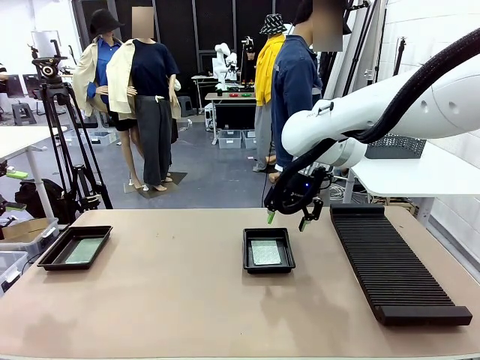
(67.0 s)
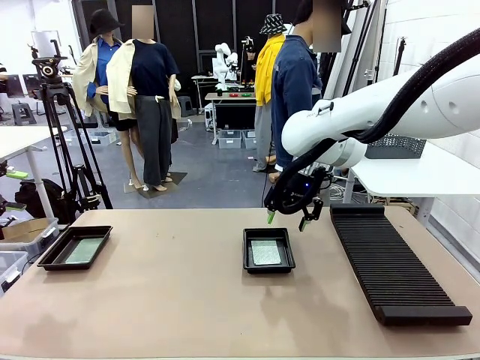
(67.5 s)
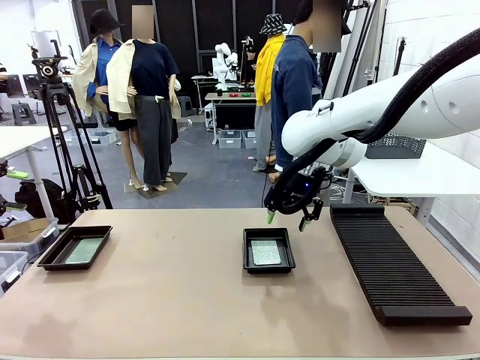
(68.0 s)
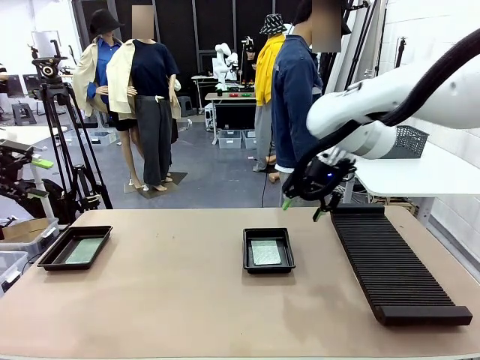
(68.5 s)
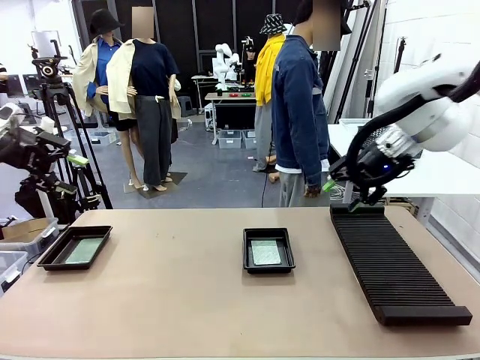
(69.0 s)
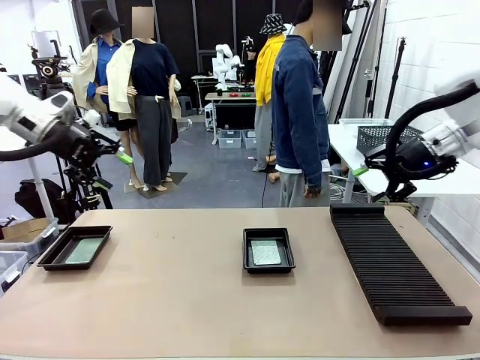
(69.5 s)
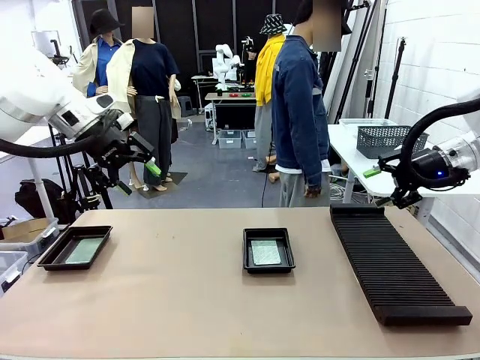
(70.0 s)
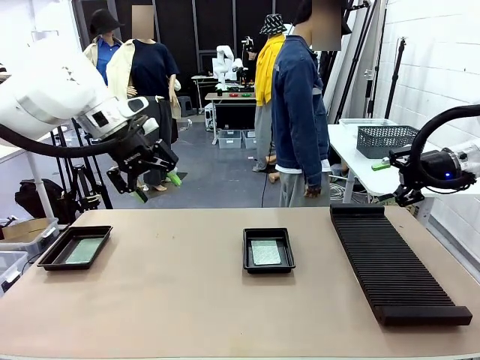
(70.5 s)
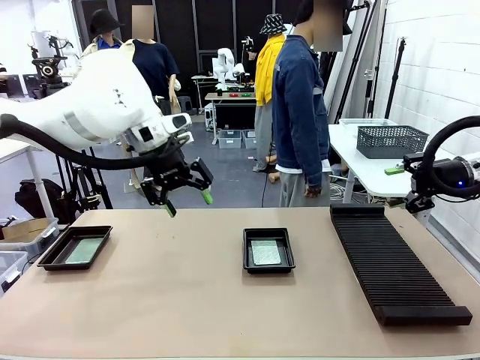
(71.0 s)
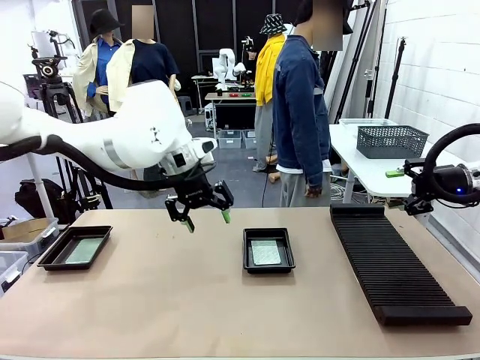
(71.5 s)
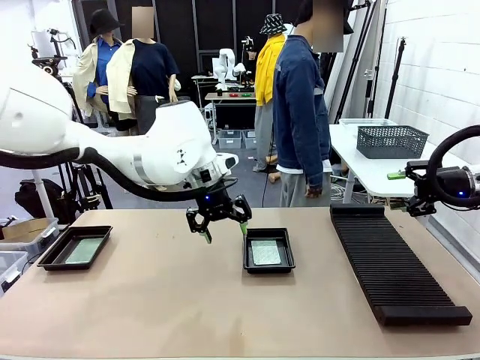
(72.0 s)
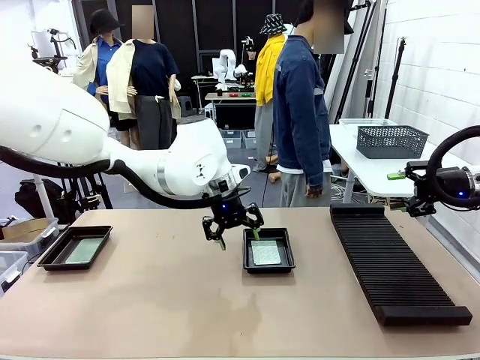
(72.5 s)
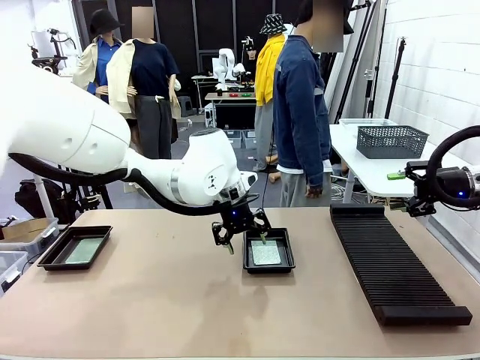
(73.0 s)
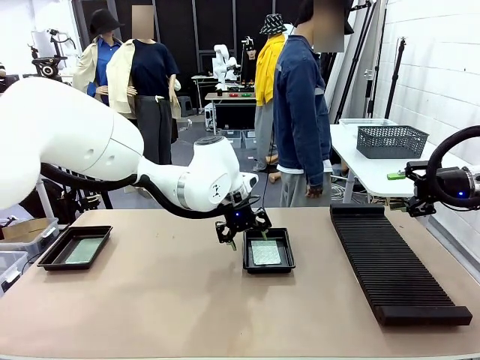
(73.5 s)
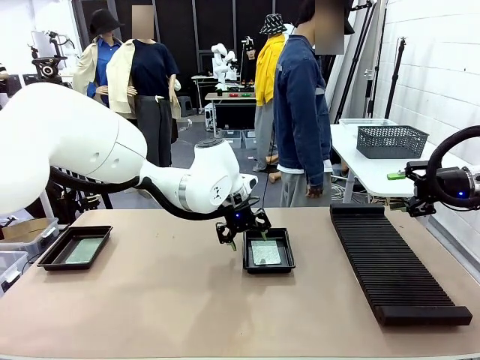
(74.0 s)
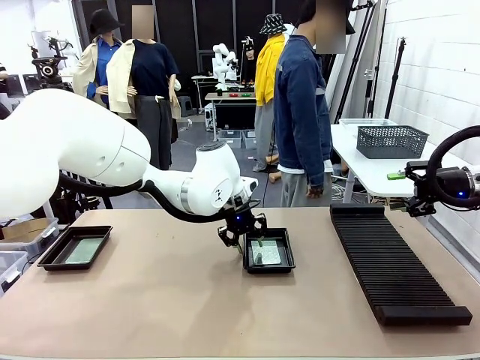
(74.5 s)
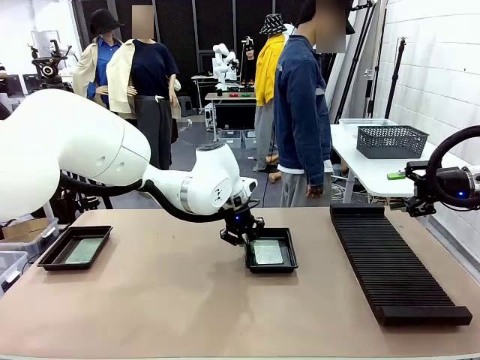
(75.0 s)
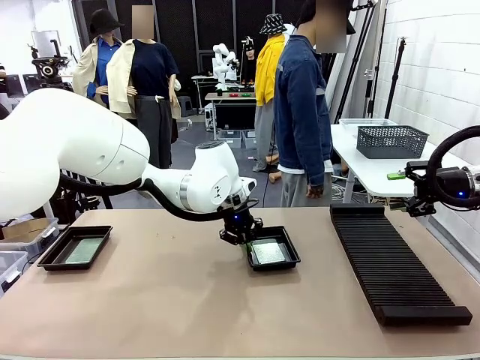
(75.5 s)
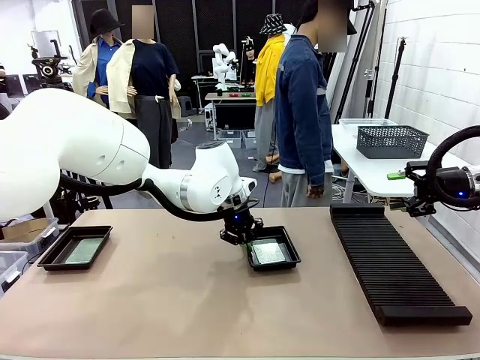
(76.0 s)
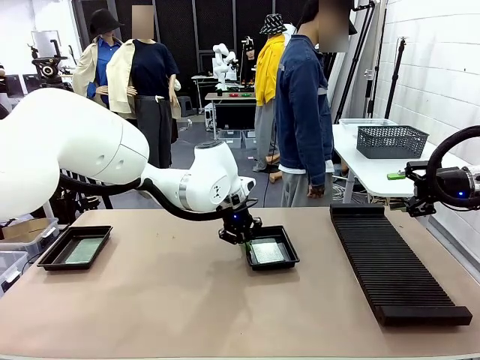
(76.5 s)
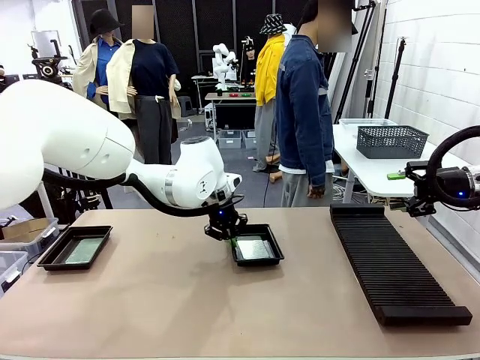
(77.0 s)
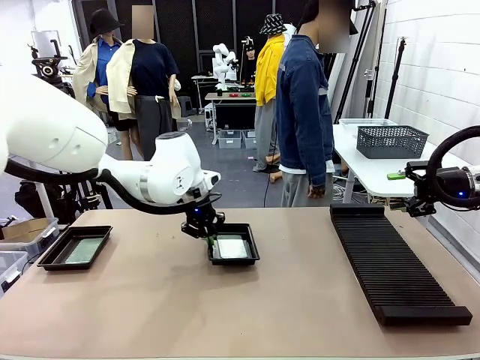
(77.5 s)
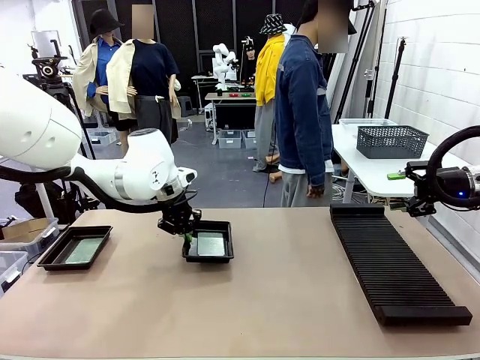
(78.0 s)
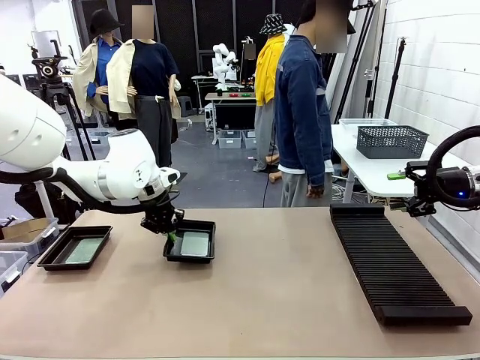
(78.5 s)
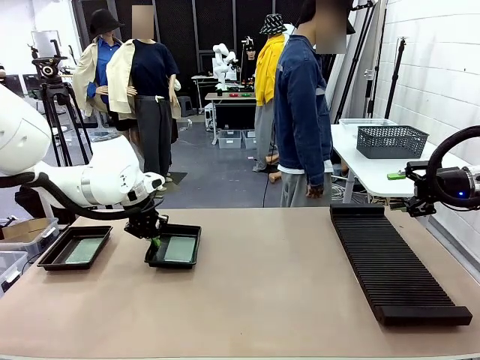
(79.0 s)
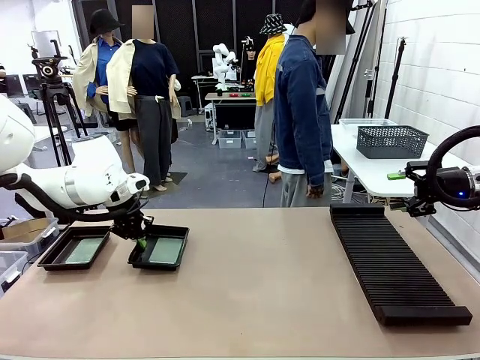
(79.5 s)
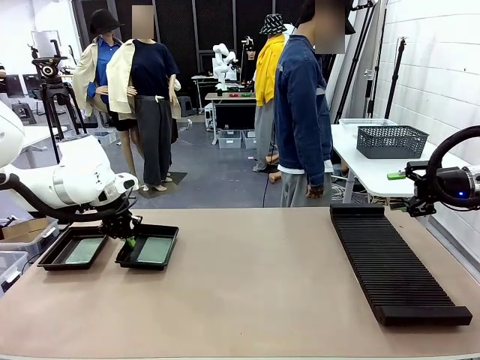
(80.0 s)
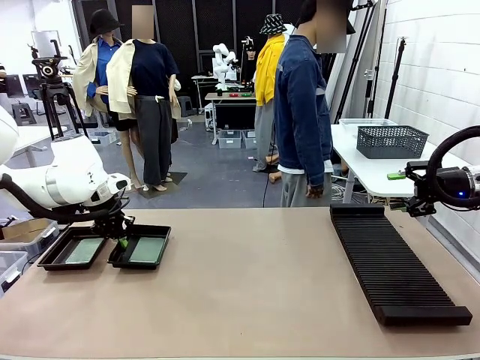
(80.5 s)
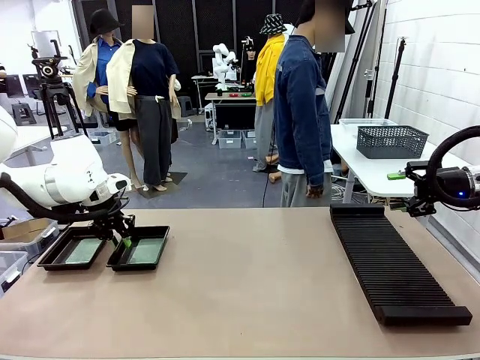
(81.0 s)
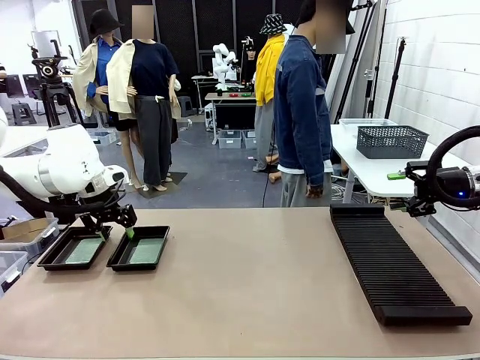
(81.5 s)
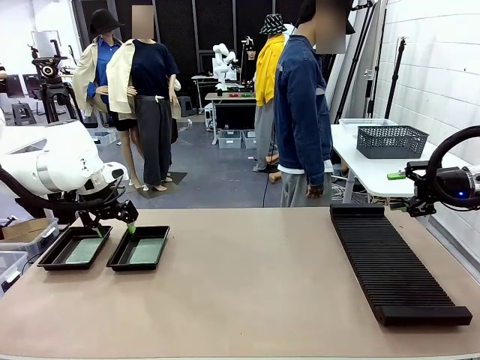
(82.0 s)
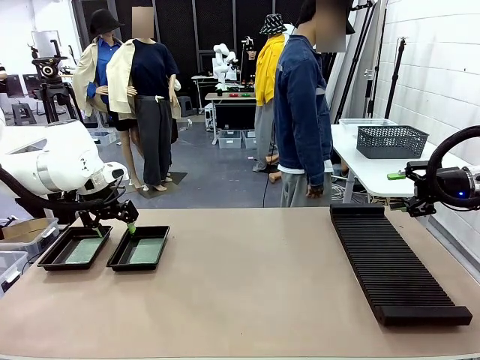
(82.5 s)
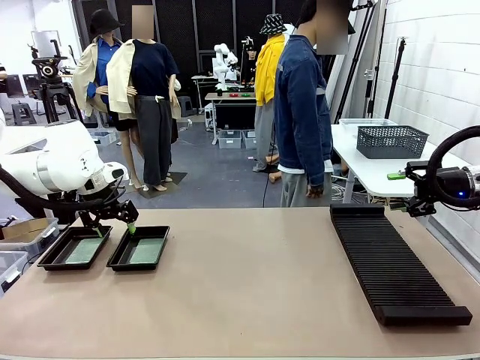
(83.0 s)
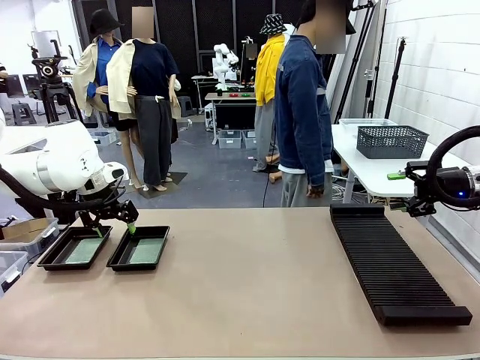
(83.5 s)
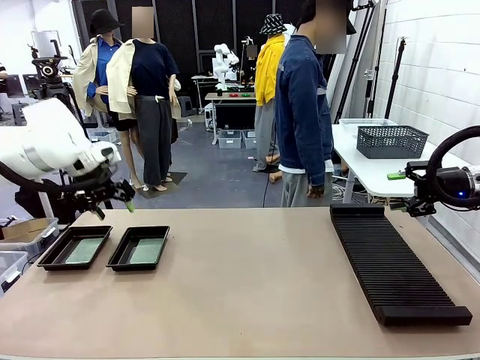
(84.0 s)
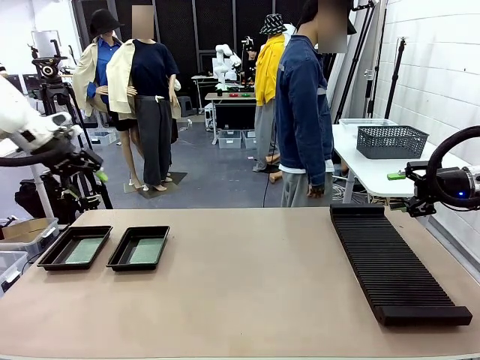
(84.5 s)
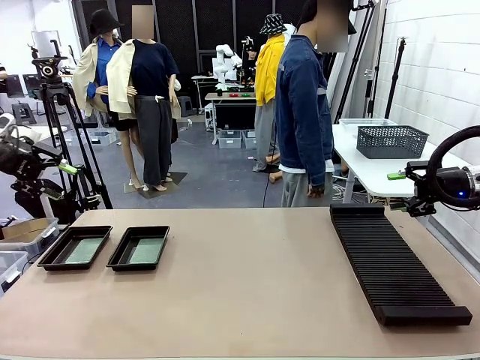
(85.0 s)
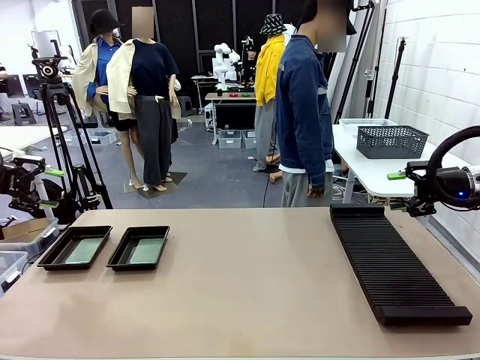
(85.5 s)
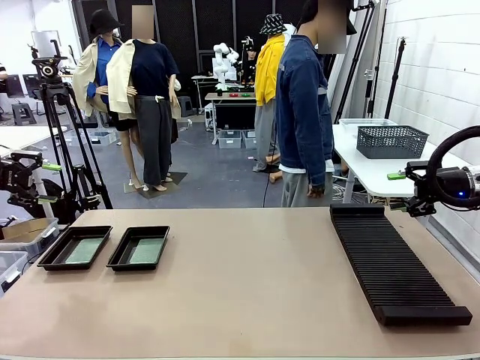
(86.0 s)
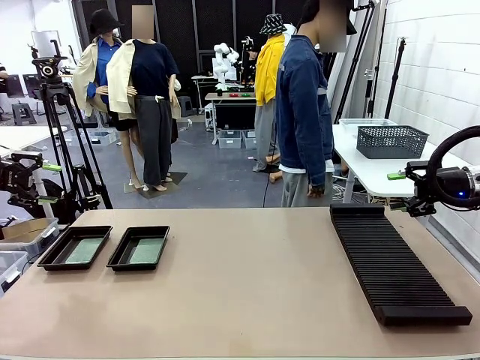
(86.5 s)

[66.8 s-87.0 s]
Task: Inspect and transfer BCBs to ESD trays.
Robot: Pick up the ESD tray and place it on the left side of the table.

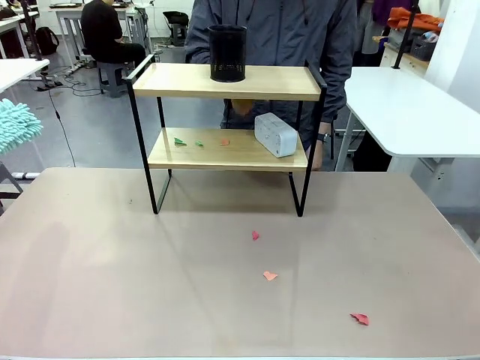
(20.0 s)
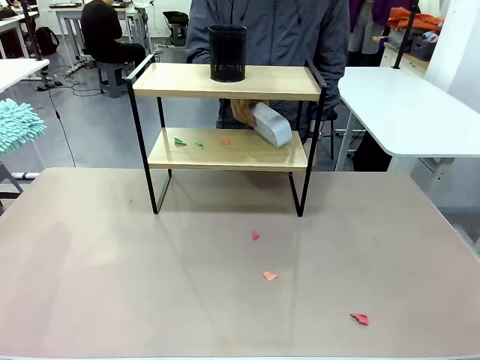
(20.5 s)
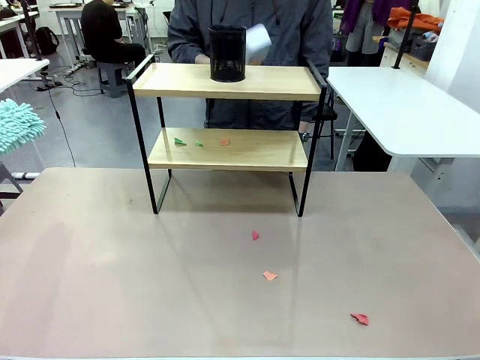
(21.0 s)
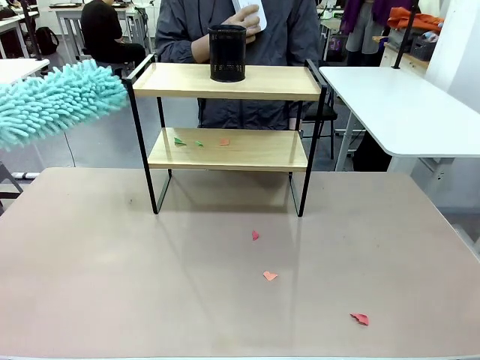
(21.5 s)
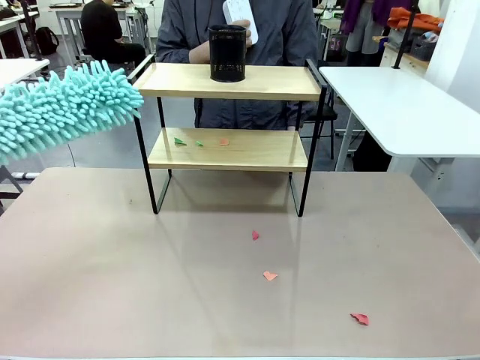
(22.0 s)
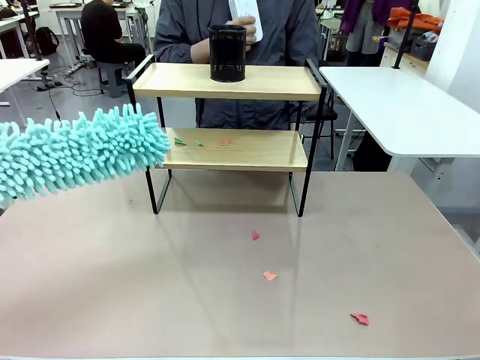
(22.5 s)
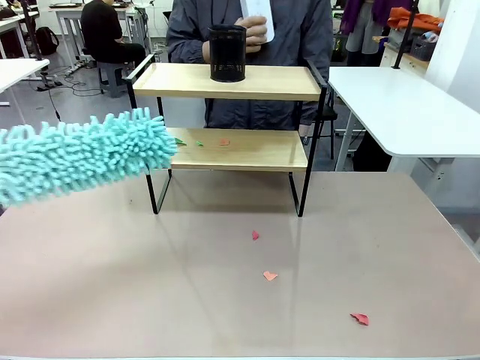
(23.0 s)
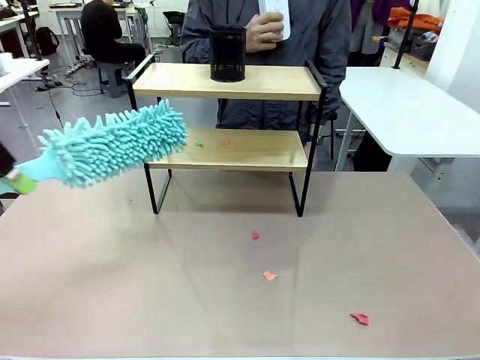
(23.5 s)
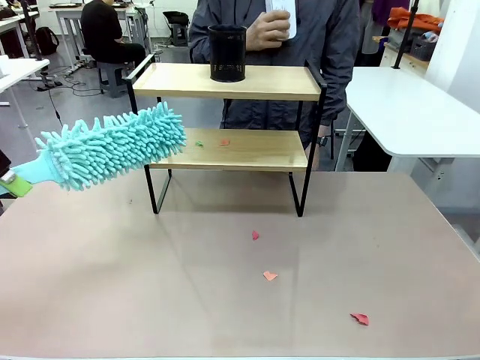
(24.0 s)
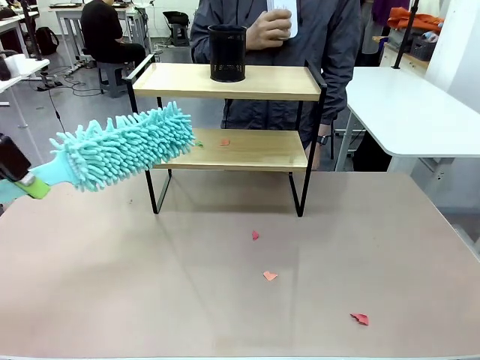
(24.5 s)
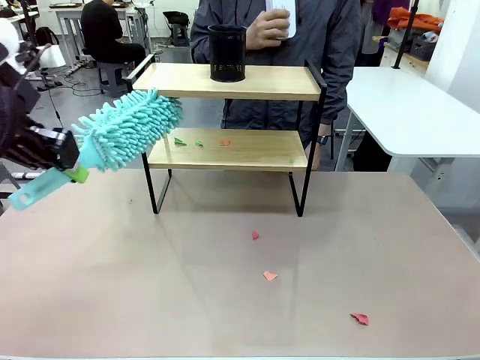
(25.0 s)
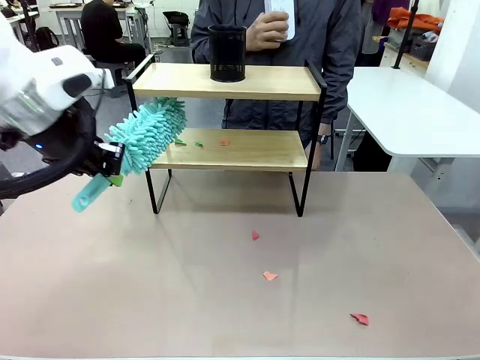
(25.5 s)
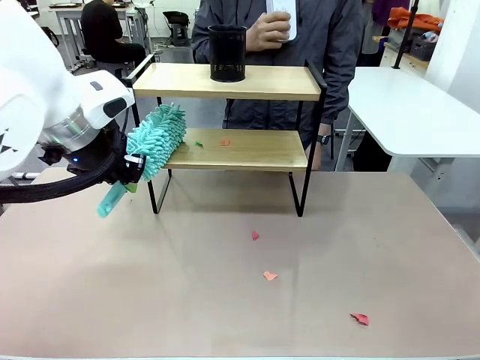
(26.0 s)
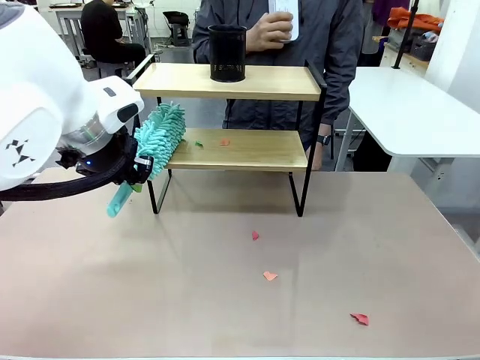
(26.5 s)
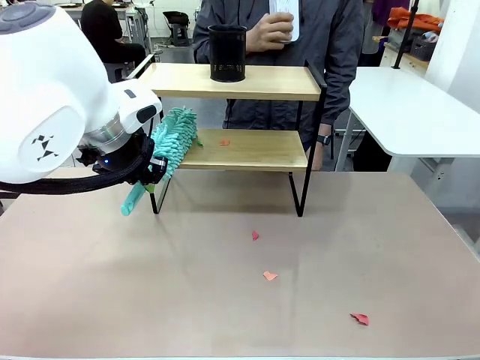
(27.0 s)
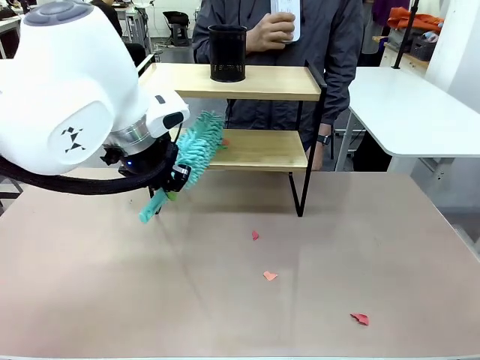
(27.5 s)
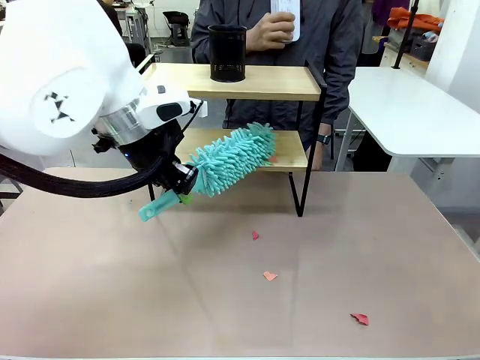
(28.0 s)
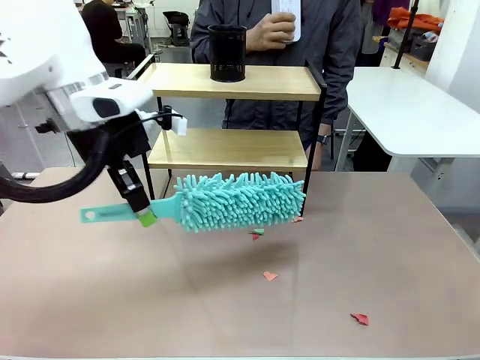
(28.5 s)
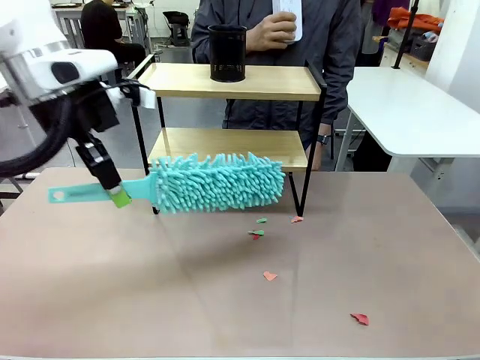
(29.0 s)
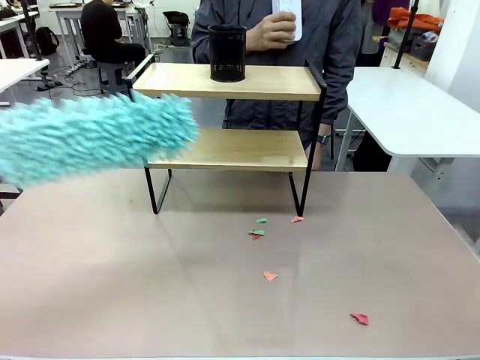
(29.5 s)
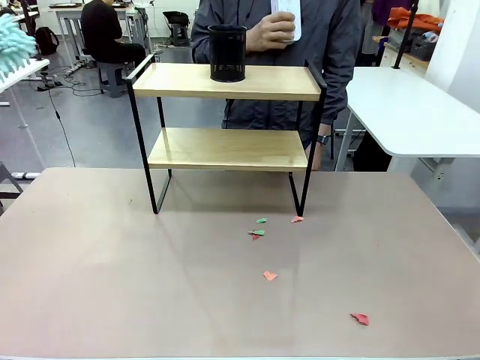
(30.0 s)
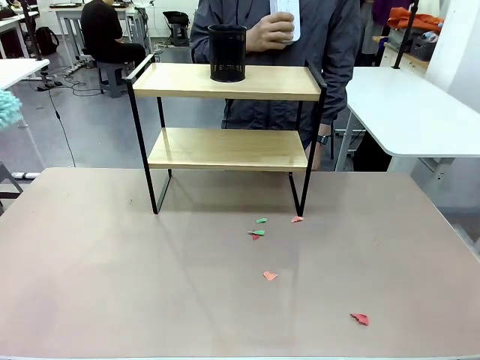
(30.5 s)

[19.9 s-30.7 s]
Task: Clean the shelf.
Robot: Clean the remaining tier of the Shelf with the Duster once objects are removed.
